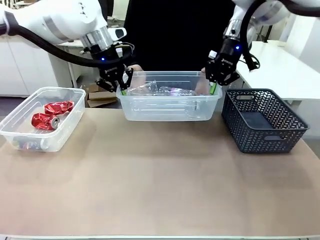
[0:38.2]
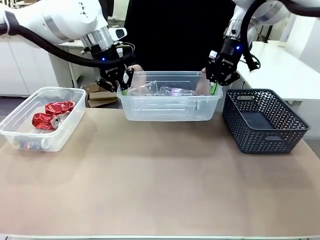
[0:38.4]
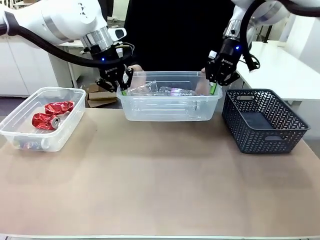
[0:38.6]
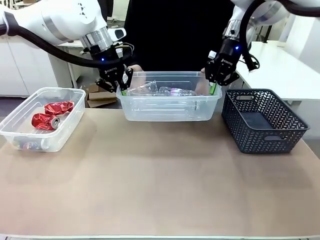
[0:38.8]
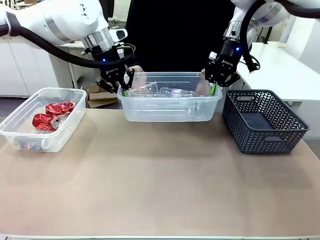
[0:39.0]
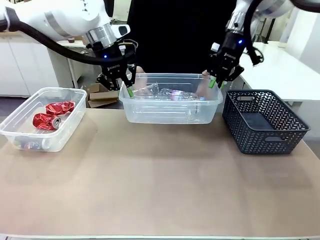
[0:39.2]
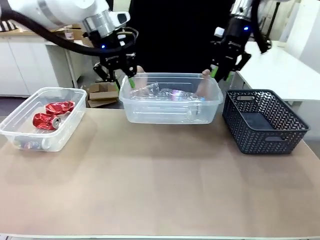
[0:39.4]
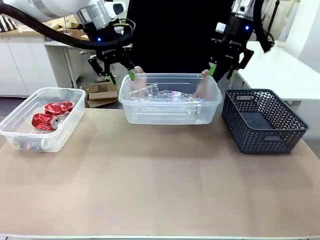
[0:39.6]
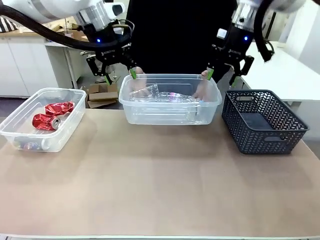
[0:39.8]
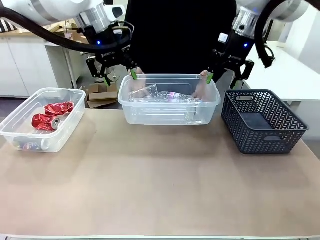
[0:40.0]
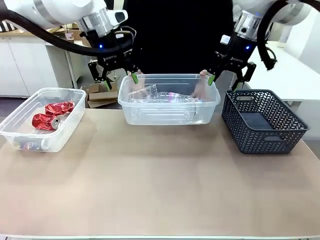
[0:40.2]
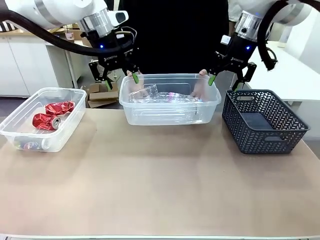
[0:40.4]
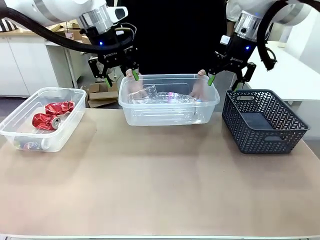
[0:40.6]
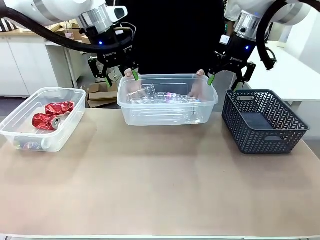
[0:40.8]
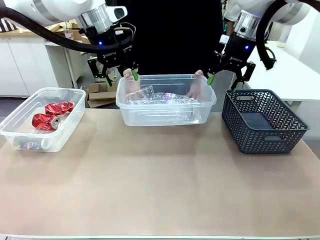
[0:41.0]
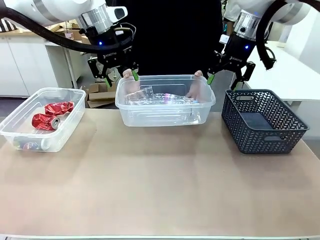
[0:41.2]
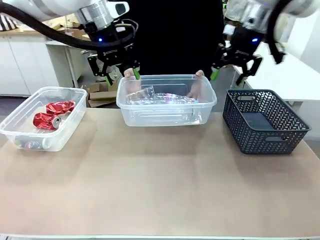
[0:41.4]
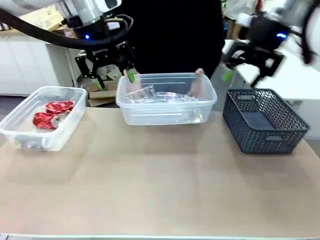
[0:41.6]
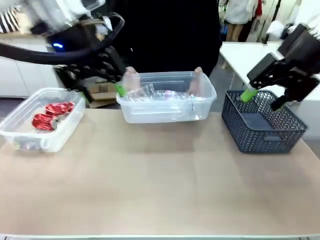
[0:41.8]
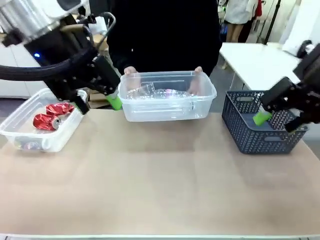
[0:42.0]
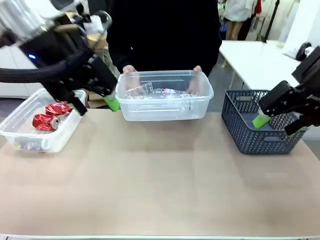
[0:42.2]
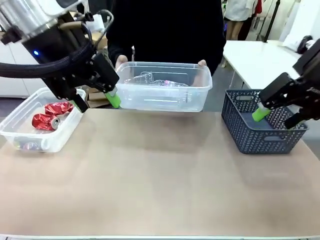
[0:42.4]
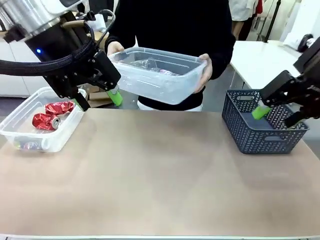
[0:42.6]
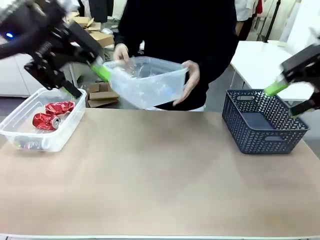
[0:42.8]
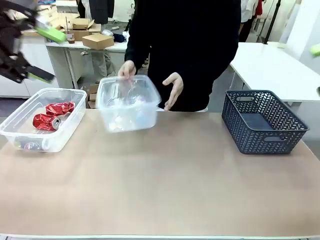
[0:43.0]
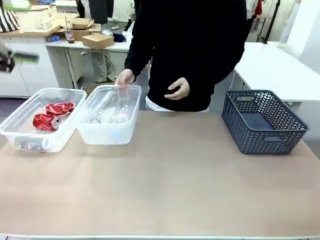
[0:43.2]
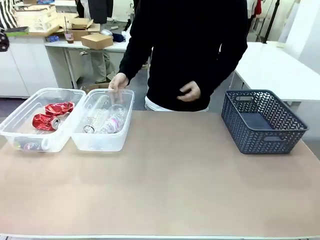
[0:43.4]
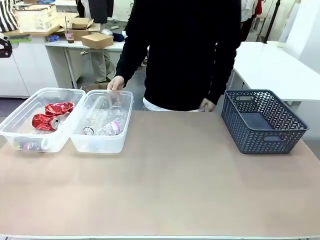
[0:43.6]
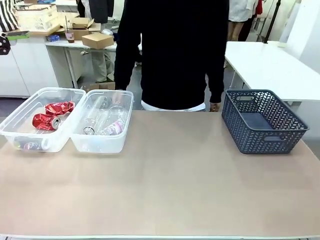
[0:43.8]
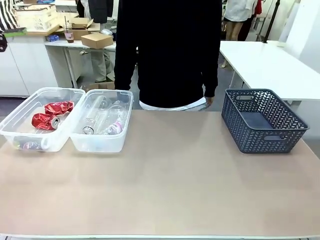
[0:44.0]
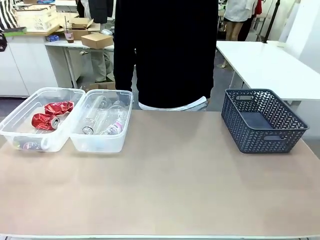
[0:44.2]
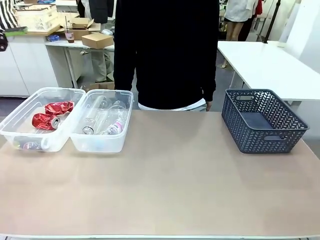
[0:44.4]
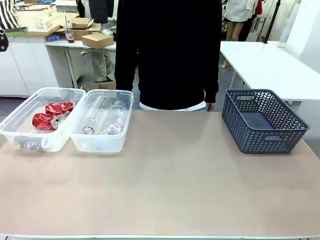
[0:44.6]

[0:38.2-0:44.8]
Robot: Release the Organizing box you were holding.
Person: Pick up the organizing box extended by the robot. Place the organizing box to the left of the sorting box containing the can waste.

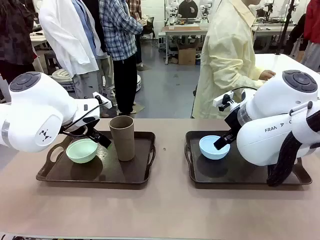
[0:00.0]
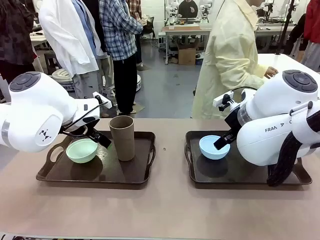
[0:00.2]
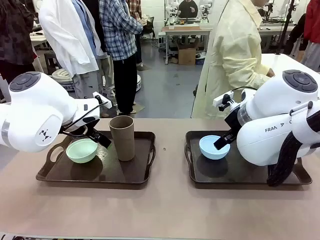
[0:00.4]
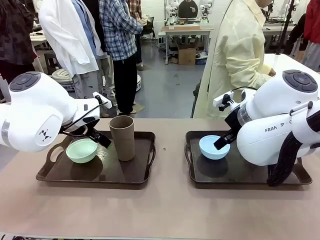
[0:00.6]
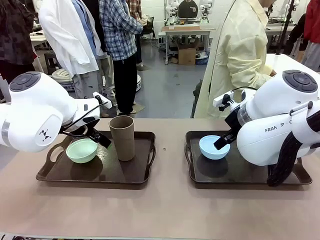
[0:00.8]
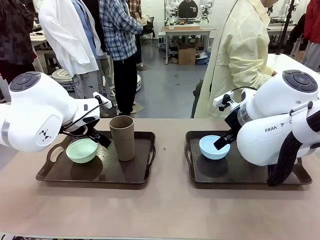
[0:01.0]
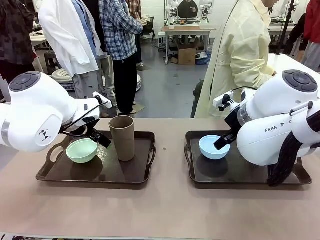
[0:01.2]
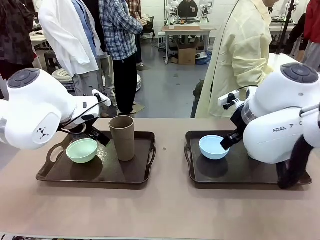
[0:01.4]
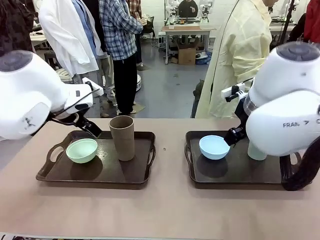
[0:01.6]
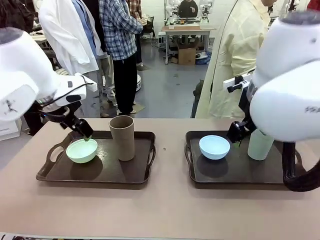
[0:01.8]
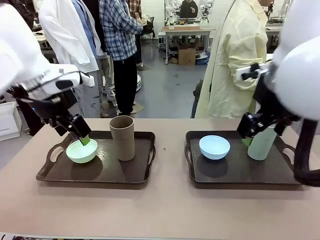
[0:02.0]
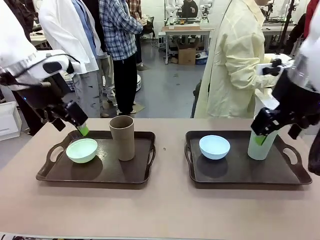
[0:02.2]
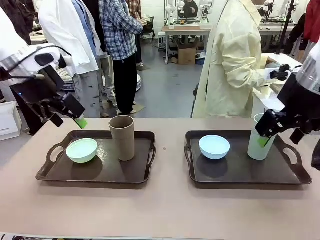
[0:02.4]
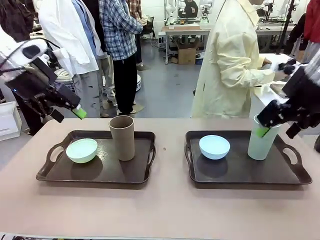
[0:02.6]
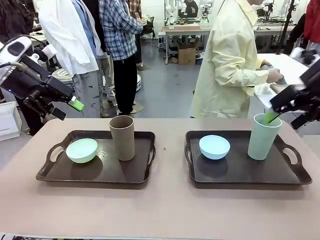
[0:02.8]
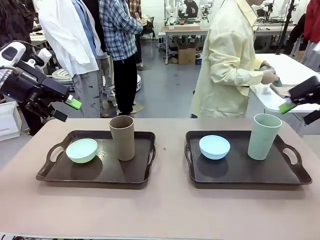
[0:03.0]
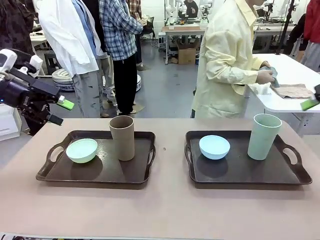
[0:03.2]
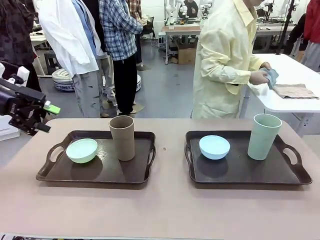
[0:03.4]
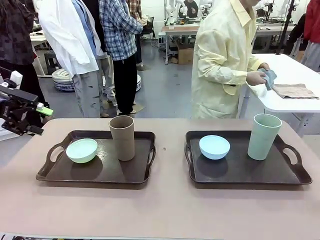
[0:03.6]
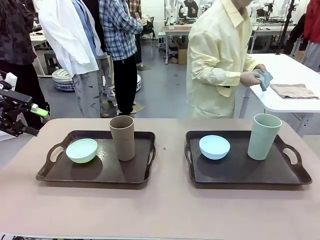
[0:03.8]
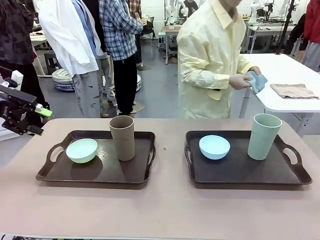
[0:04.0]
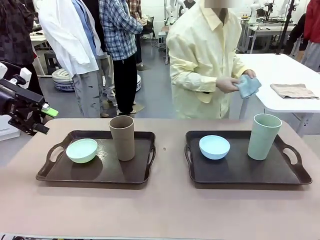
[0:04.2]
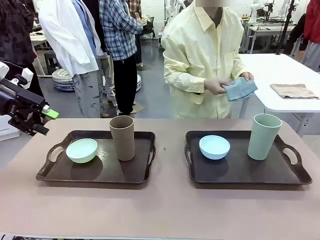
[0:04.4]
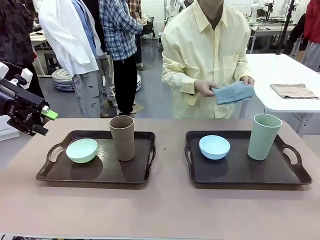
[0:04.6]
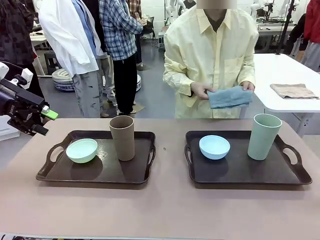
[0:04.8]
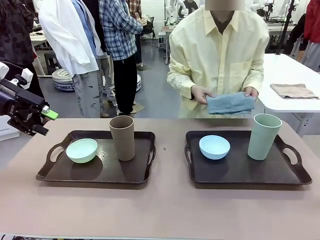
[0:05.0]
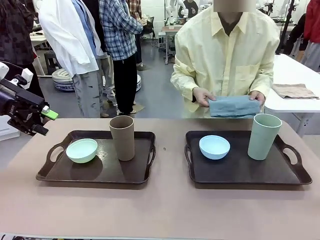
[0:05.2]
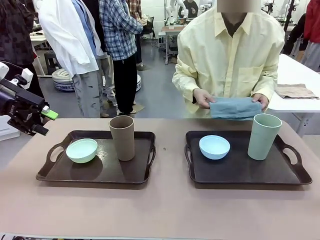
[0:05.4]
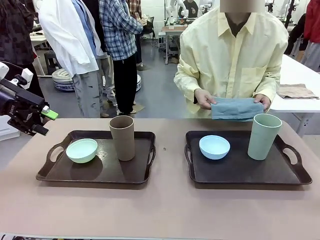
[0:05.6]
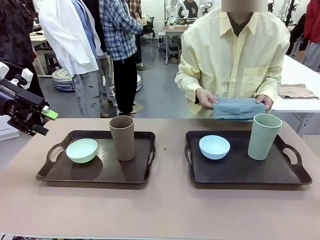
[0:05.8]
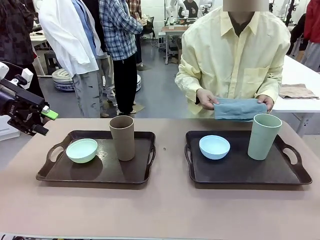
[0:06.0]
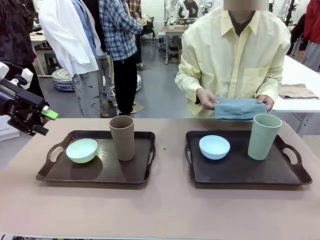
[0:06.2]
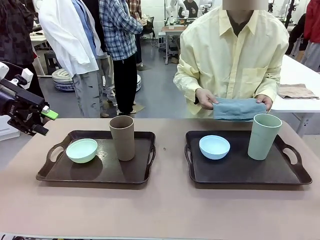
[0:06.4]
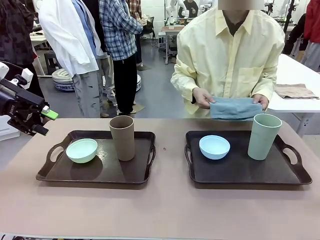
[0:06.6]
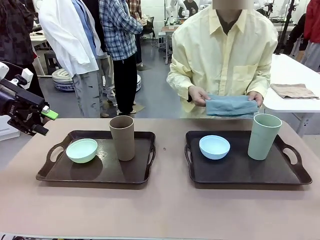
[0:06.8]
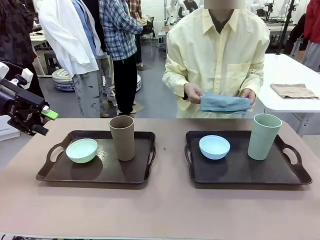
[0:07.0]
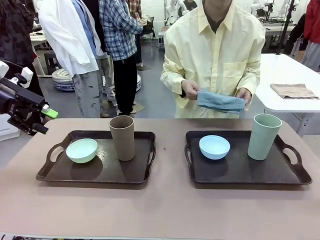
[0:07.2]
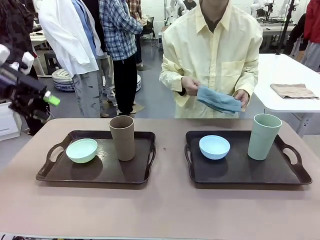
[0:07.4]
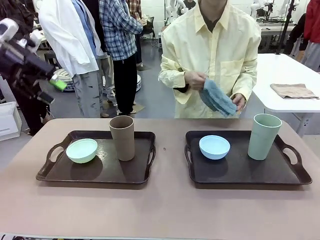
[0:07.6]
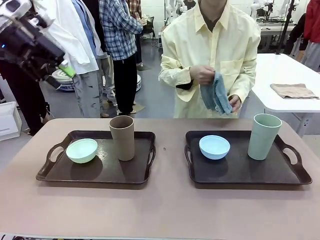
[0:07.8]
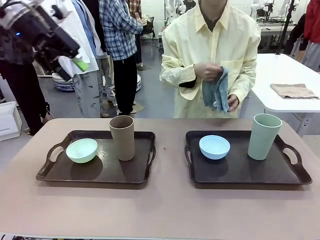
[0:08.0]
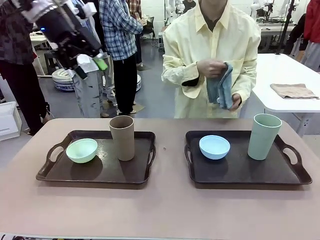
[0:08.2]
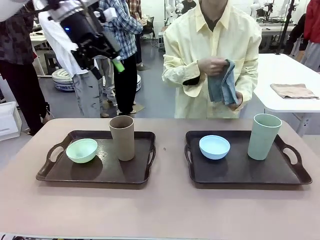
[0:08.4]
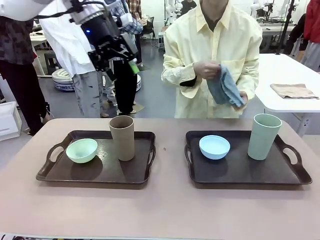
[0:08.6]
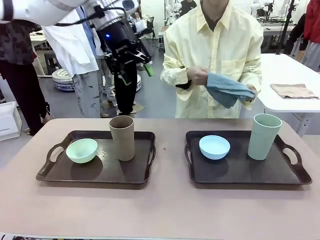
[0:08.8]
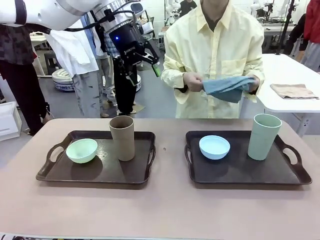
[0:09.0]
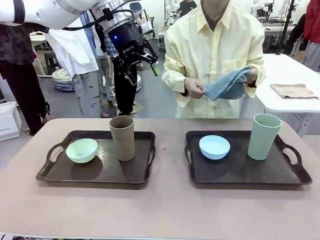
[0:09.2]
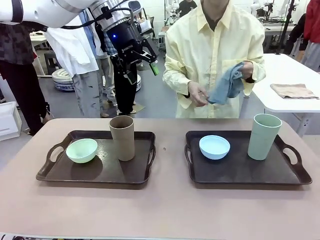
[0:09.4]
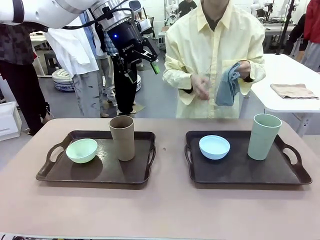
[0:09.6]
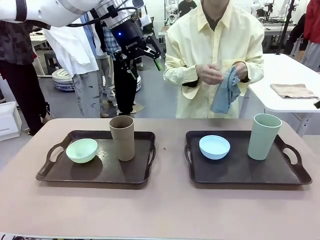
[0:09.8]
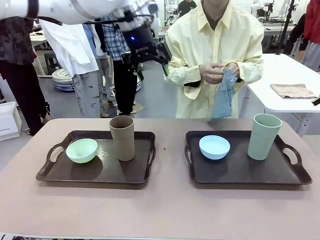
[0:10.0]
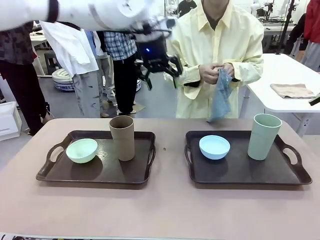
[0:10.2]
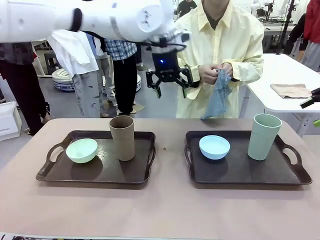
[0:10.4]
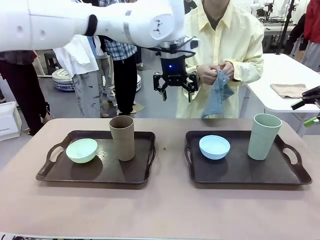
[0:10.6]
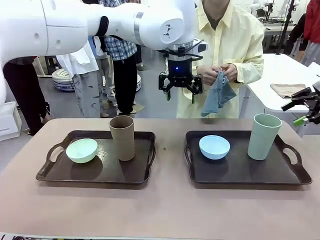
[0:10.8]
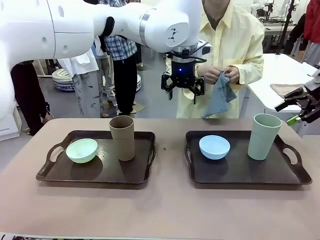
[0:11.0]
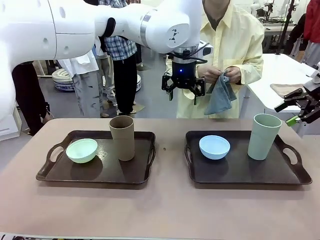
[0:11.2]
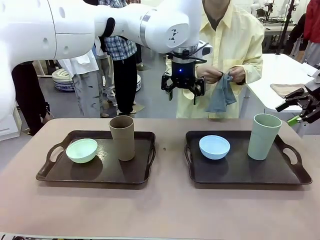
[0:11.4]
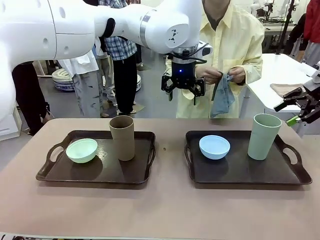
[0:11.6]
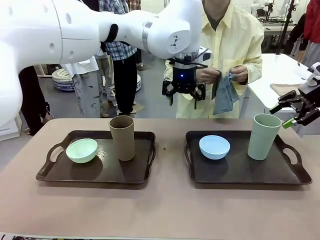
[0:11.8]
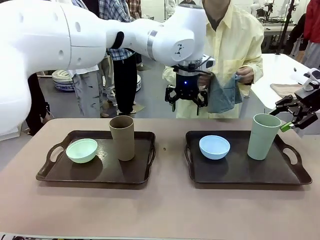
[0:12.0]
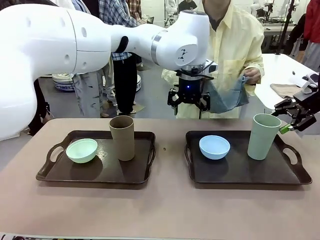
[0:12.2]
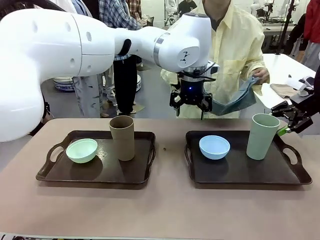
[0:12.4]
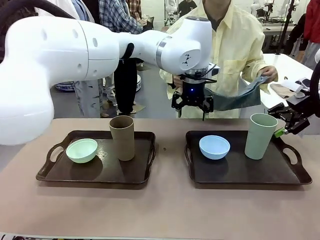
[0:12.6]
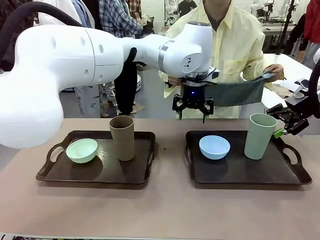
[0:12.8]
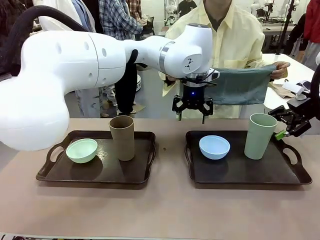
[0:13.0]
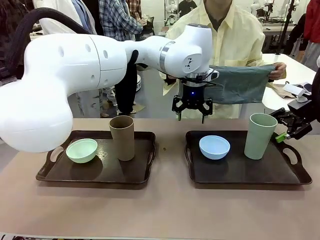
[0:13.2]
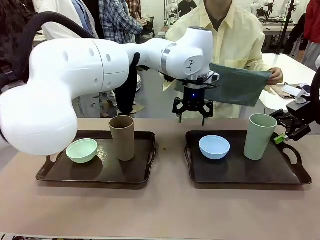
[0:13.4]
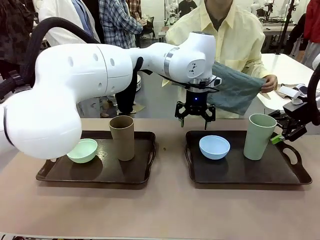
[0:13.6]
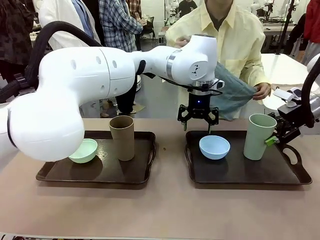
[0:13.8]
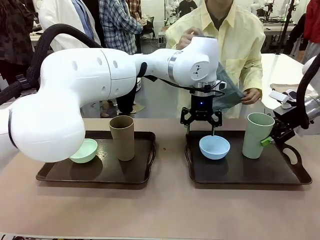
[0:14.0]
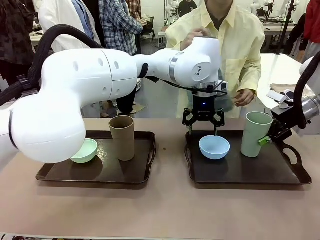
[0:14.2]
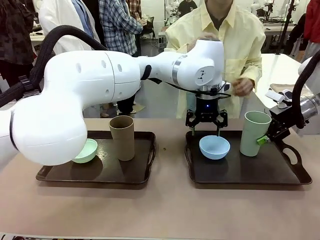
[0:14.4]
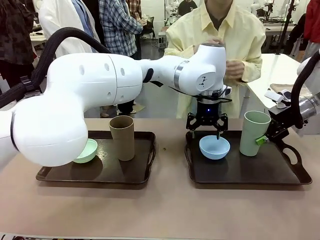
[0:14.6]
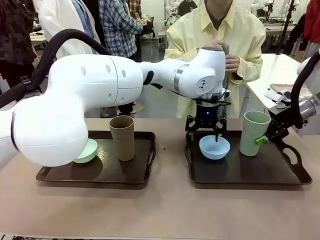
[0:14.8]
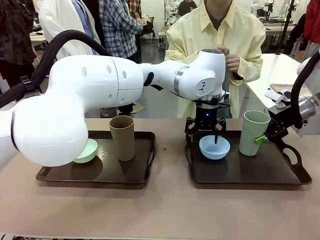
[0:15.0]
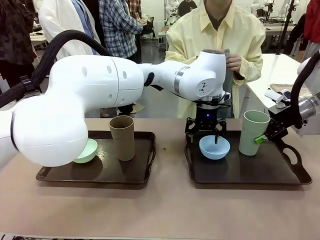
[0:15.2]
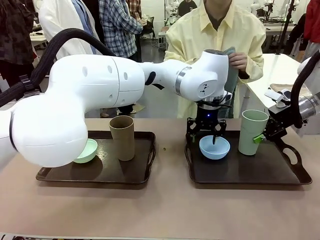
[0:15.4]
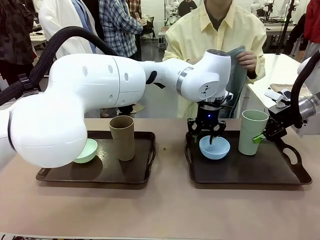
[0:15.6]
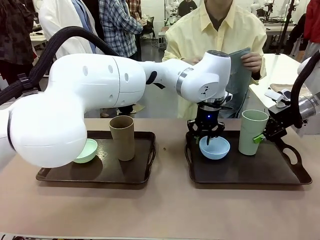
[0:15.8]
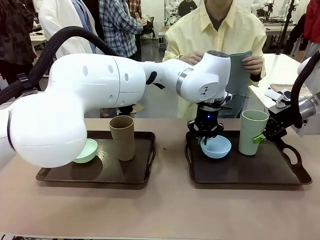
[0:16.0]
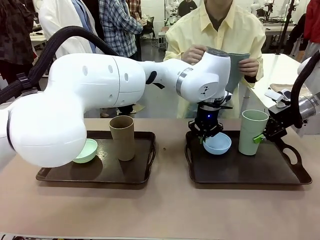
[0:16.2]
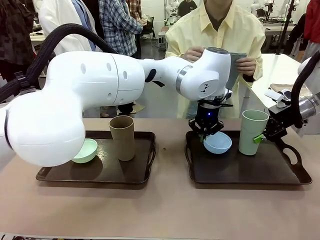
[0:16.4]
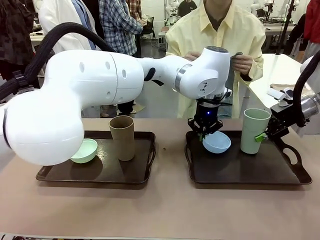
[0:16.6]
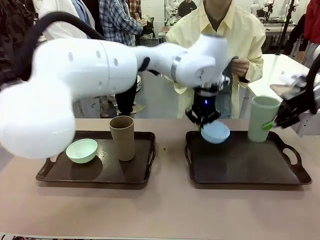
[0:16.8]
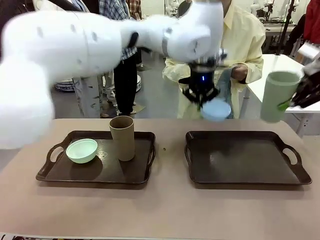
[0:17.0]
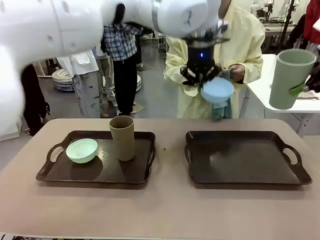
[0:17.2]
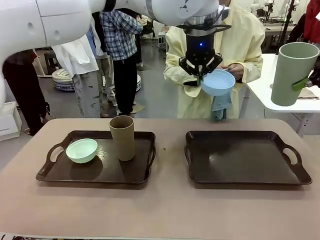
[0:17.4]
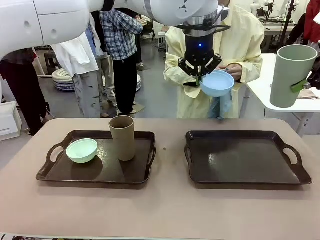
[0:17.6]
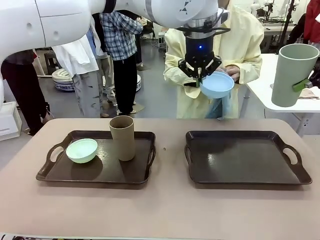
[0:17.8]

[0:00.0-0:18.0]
Robot: Pick up the Picnic Bowl and Reusable plastic cup from the Handle tray in front of the human's position and hold them in the air.
Person: The human picks up the top napkin from the stack on the human table and walks to the robot table to stand in front of one of the two trays. When the robot lifts the bowl and the cup, the human unfolds the napkin and lays the napkin flat on the tray.
